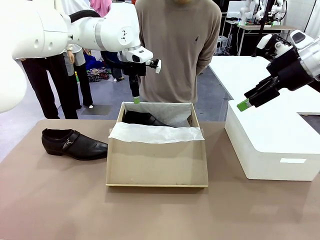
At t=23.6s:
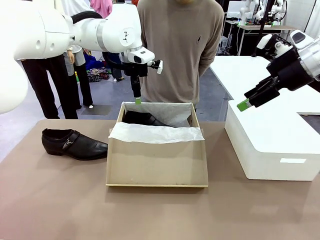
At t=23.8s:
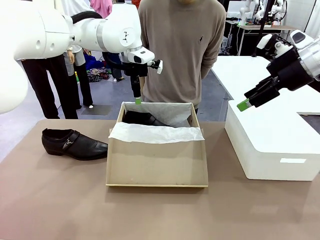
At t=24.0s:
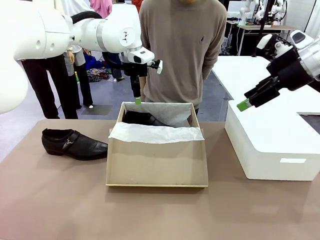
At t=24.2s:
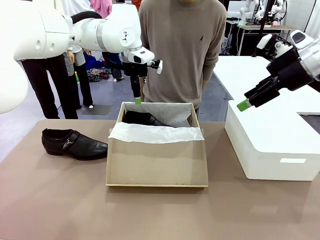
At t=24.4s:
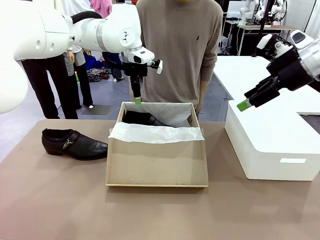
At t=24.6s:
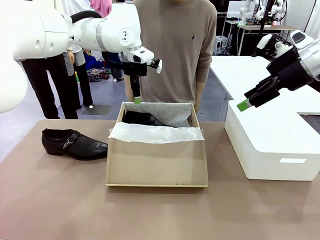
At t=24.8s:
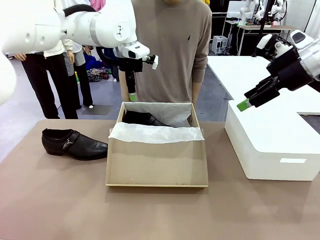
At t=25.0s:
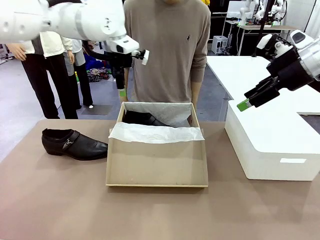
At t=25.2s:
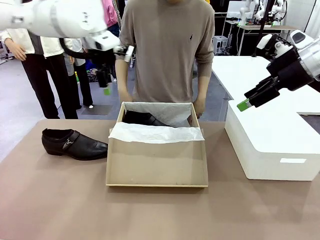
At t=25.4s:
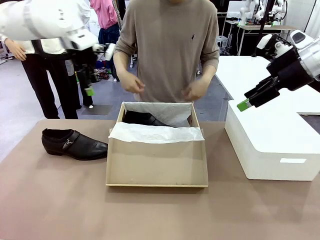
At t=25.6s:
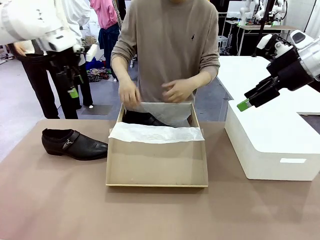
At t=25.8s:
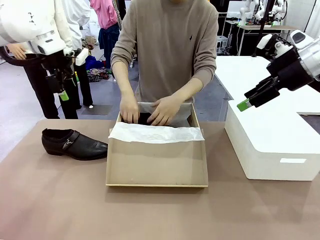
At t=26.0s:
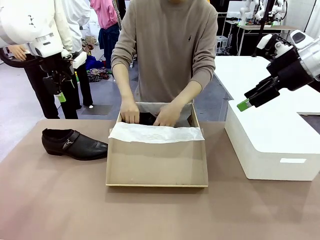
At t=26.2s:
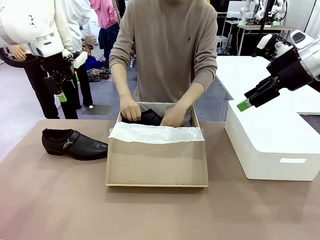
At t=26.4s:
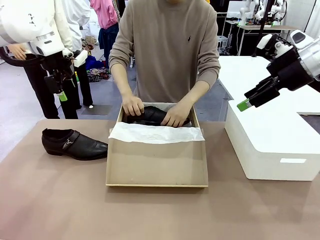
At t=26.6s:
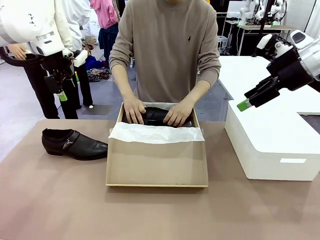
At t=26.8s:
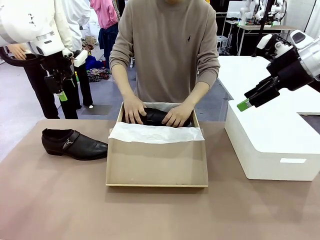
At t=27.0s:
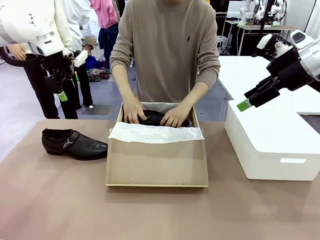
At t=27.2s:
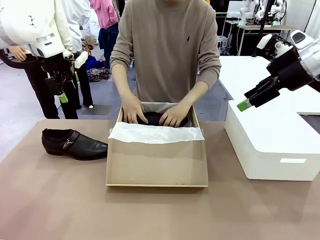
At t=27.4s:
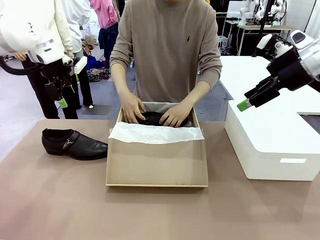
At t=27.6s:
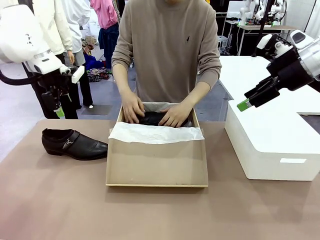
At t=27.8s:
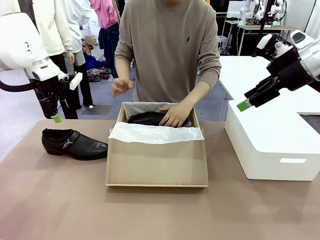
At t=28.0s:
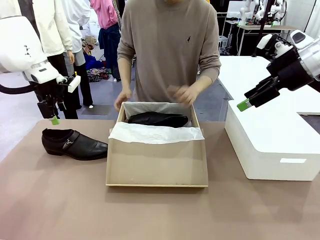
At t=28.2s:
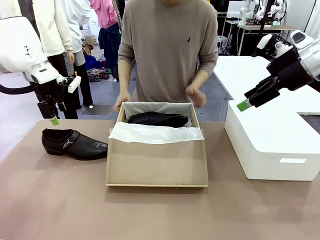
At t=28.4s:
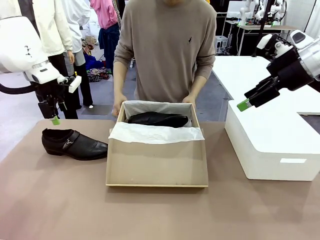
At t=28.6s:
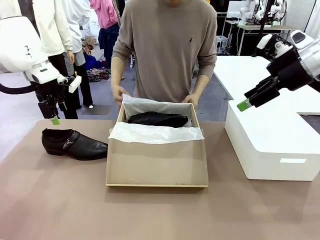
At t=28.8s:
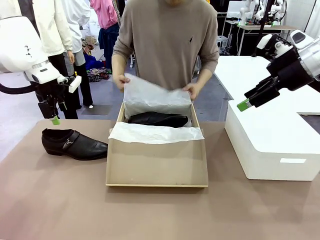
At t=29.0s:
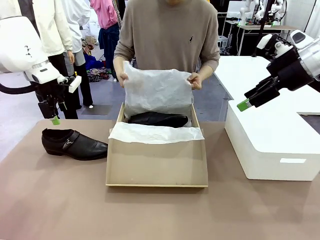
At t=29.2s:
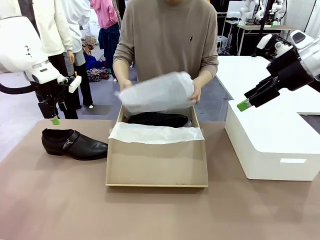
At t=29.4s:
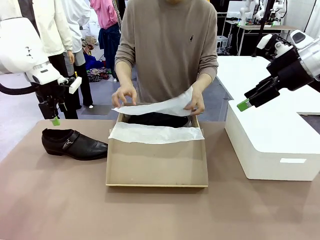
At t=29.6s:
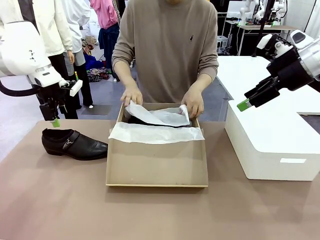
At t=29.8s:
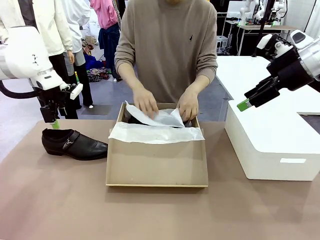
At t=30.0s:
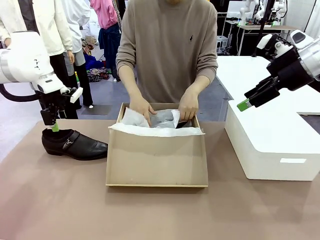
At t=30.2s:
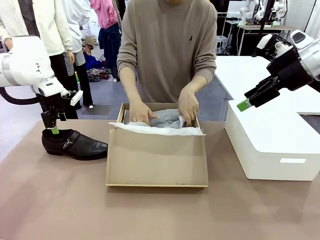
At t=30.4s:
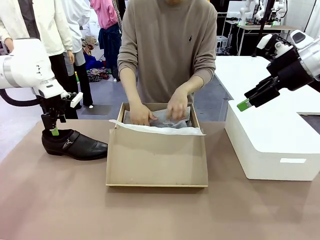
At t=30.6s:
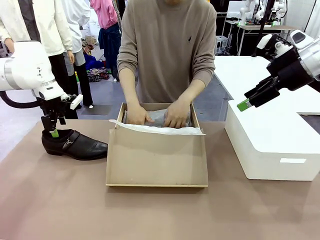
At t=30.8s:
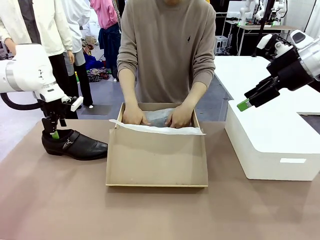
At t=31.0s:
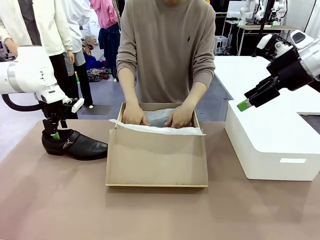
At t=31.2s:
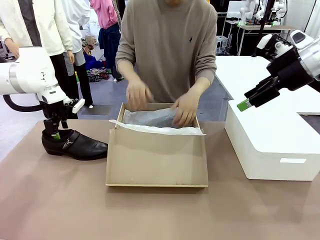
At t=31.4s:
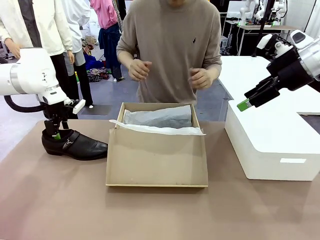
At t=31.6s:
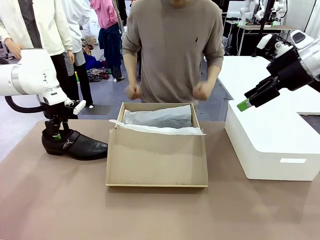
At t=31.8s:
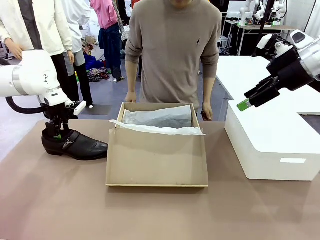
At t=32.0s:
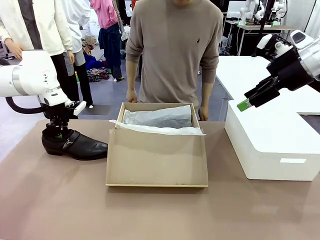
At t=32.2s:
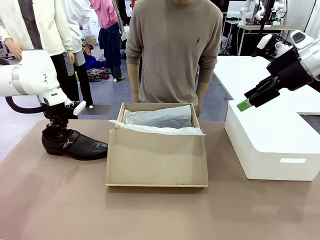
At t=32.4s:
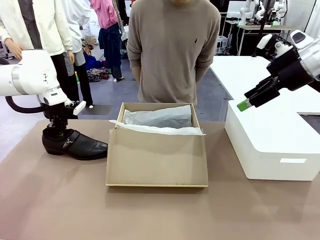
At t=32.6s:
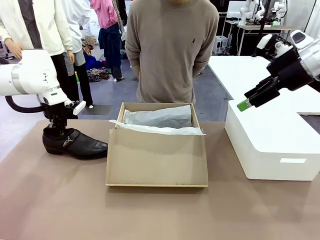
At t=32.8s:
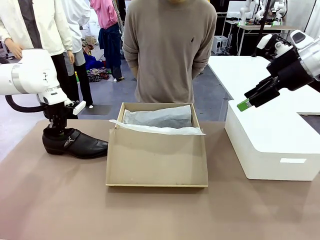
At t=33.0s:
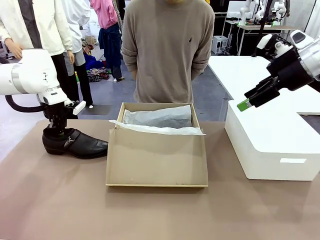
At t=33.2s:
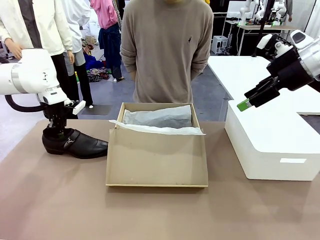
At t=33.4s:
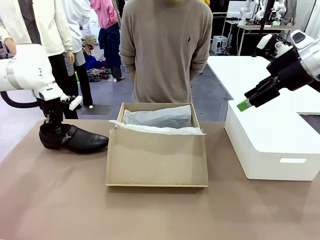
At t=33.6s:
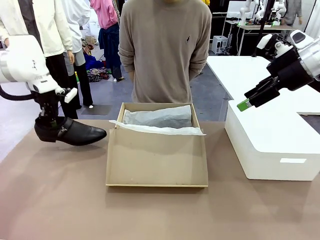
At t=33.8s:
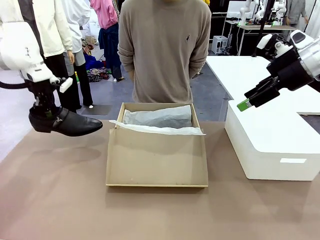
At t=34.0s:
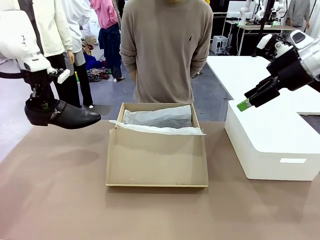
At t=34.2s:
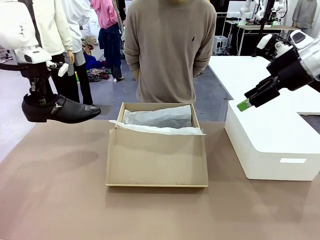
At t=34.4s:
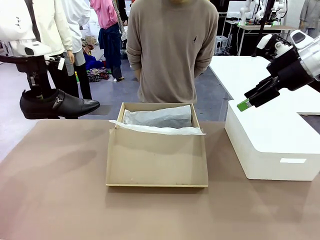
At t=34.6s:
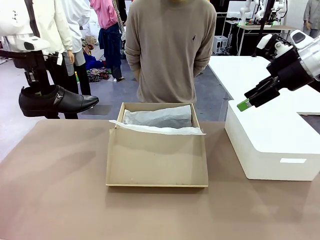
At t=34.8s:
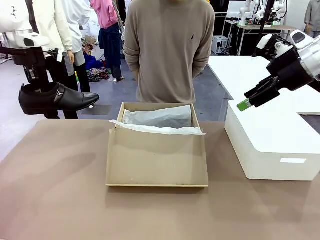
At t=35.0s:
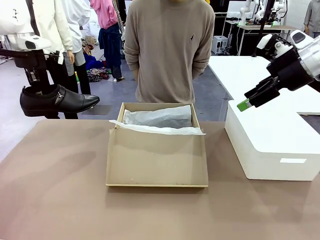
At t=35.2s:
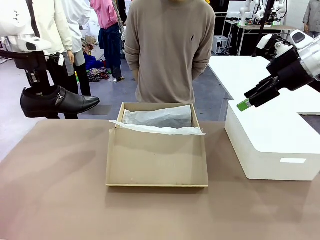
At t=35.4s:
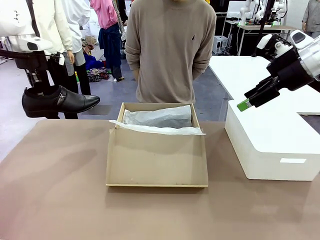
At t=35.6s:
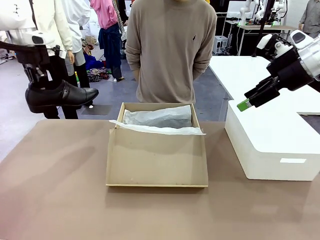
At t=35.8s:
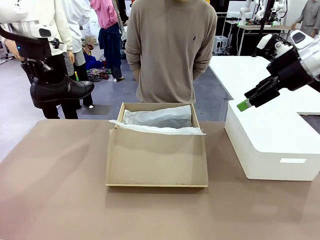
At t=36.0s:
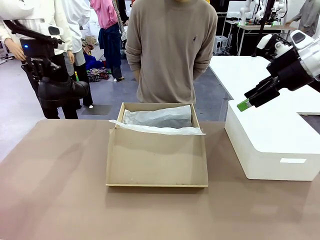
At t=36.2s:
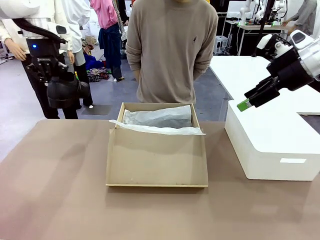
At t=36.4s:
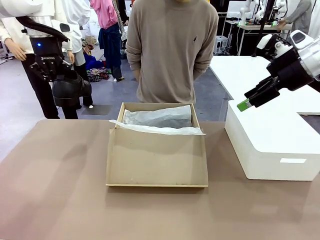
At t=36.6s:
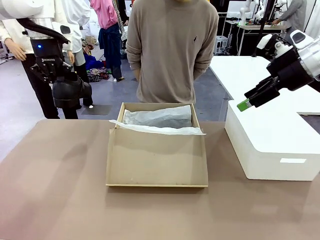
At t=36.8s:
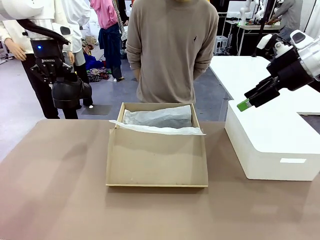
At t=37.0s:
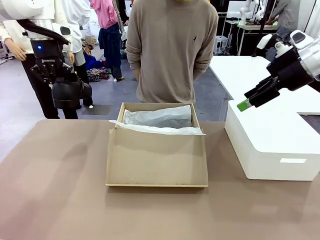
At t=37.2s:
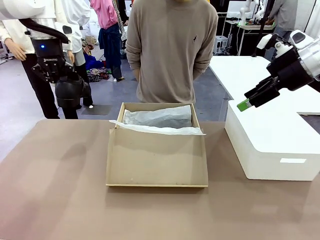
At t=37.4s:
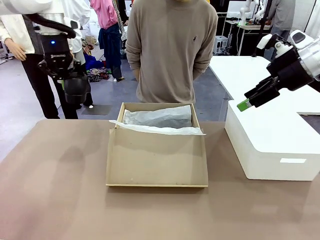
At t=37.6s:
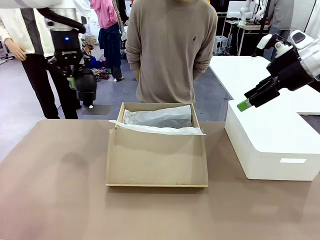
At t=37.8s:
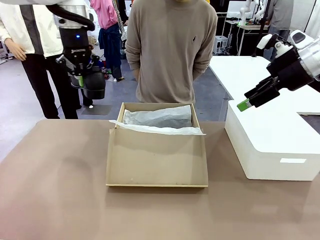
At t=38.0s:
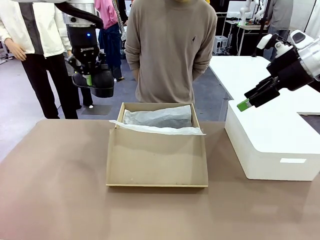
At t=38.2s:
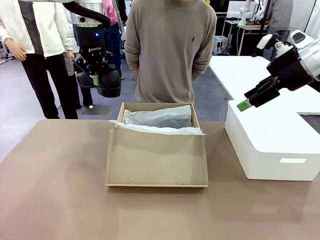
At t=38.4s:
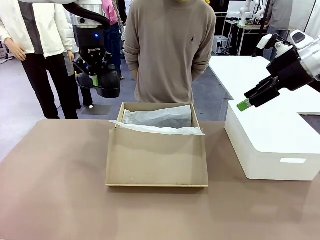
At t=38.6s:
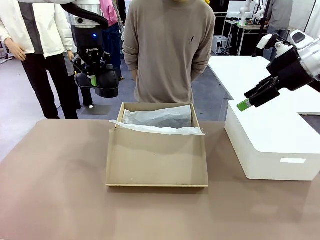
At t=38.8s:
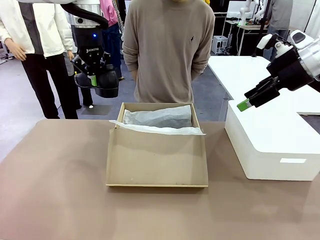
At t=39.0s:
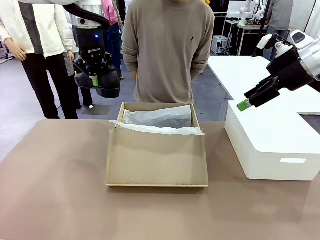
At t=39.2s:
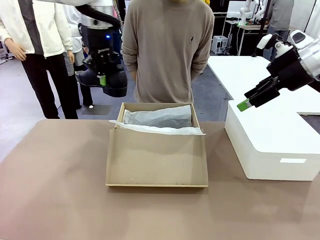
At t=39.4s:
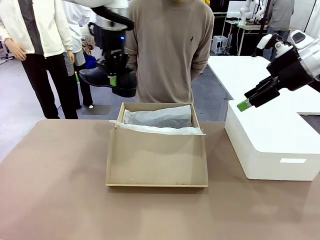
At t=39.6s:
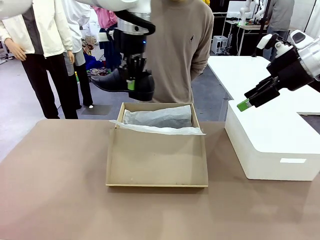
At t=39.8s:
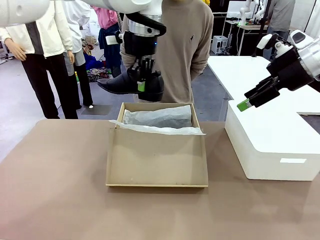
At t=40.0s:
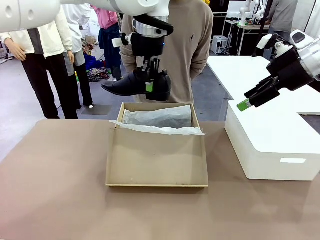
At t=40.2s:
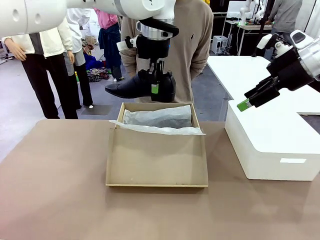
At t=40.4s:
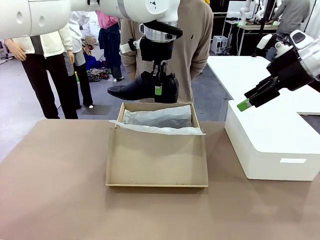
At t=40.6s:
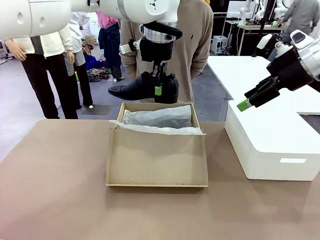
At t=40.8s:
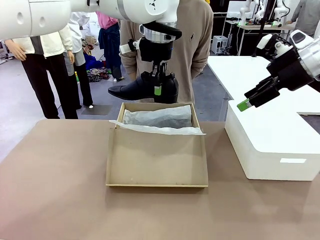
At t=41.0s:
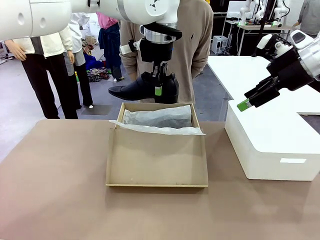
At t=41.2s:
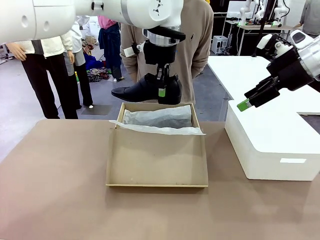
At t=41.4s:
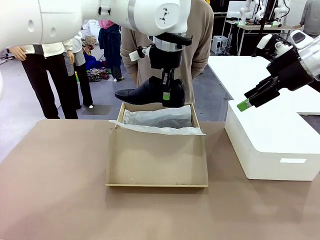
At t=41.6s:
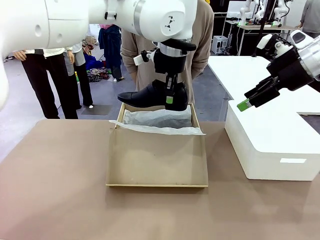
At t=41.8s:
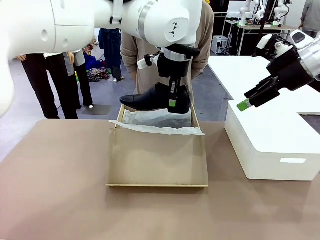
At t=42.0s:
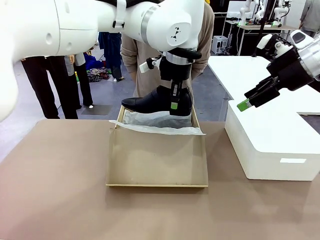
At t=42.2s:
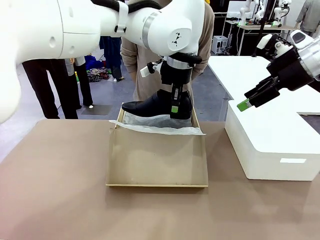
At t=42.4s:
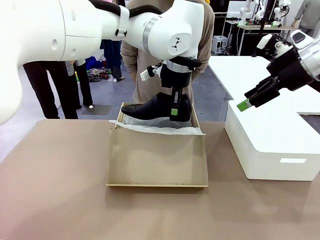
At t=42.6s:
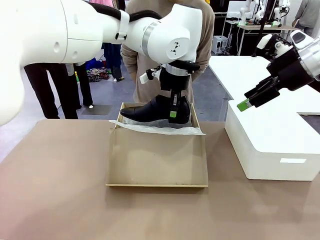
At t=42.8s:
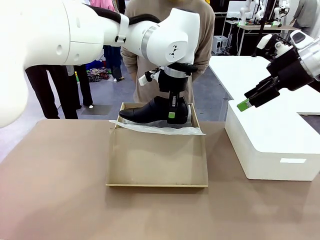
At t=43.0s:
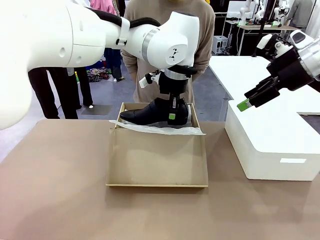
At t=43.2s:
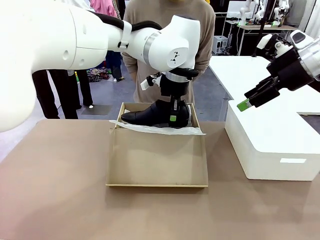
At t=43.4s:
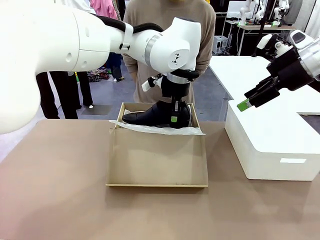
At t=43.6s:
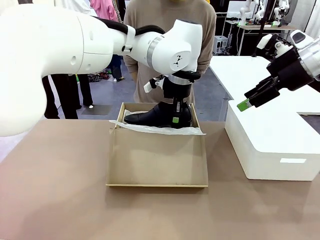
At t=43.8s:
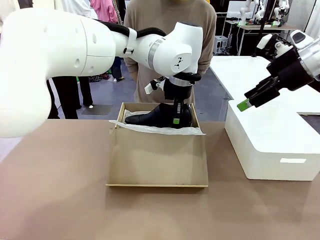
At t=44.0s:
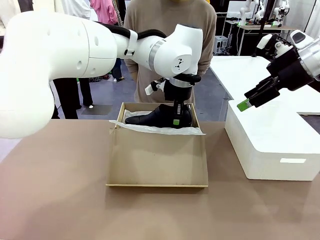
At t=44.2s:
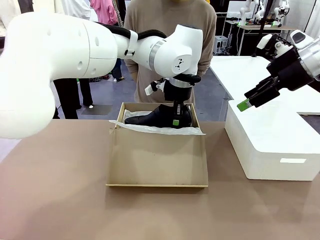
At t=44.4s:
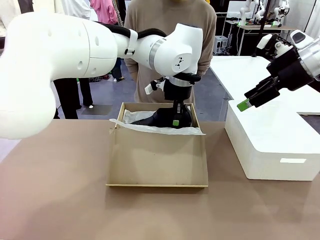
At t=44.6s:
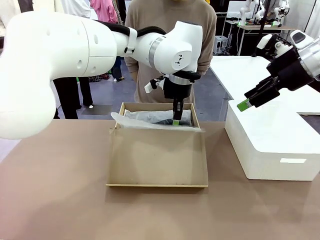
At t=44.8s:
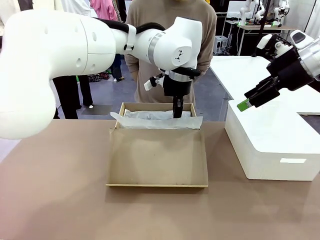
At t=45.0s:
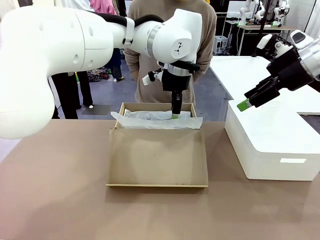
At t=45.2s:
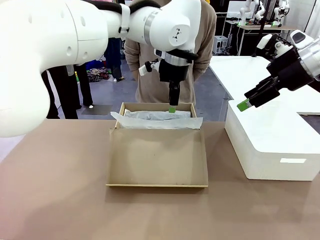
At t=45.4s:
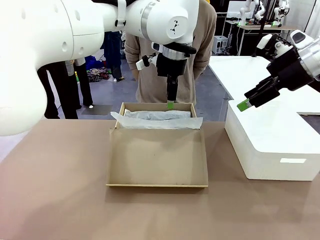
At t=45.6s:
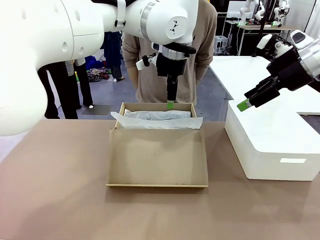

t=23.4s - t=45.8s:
Task: Pack the shoes into the box.
Robot: Place the other shoe of the Shoes into the Shoes Box.
Person: Pack a shoe of Shoes inside the Shoes Box with Shoes Wrapping Paper.
